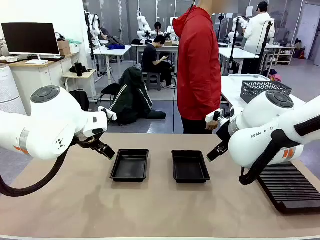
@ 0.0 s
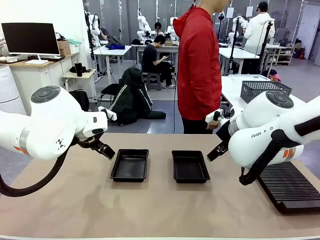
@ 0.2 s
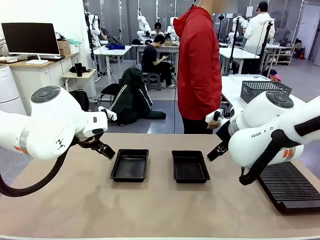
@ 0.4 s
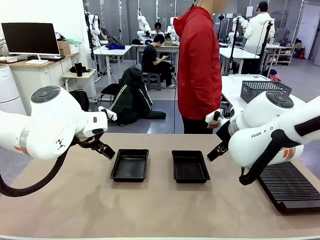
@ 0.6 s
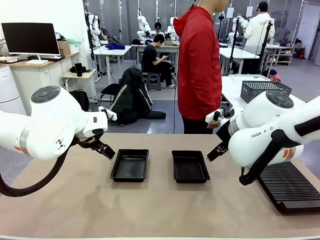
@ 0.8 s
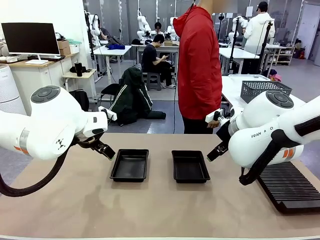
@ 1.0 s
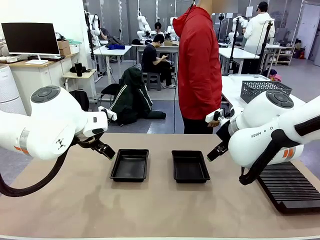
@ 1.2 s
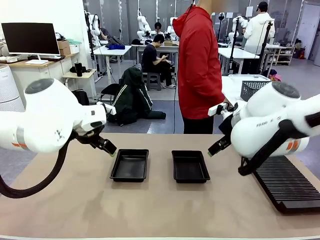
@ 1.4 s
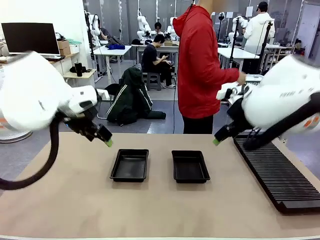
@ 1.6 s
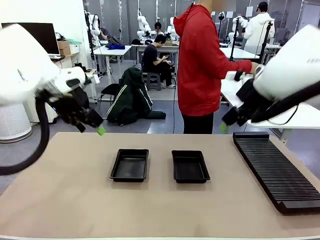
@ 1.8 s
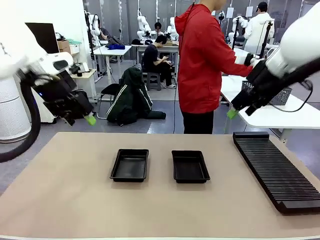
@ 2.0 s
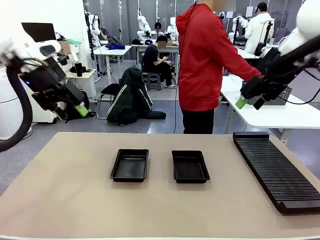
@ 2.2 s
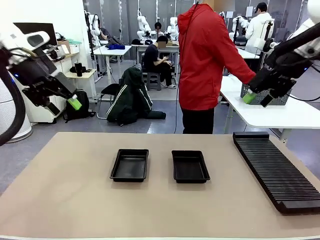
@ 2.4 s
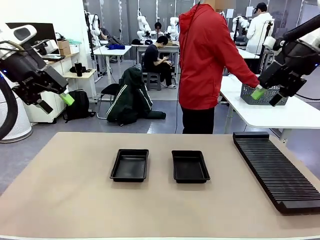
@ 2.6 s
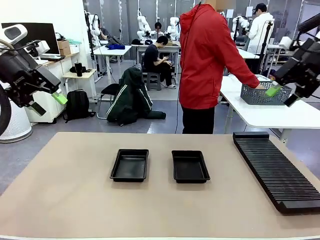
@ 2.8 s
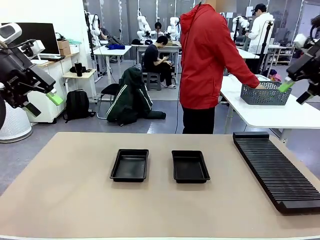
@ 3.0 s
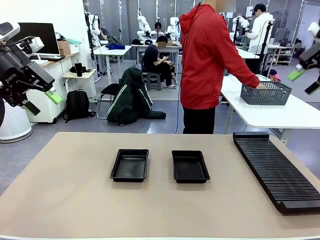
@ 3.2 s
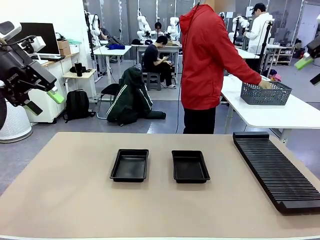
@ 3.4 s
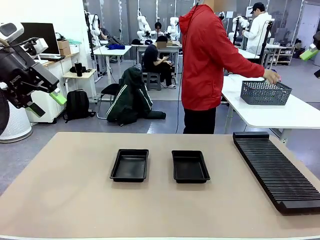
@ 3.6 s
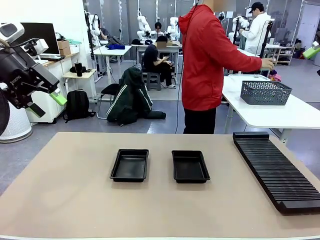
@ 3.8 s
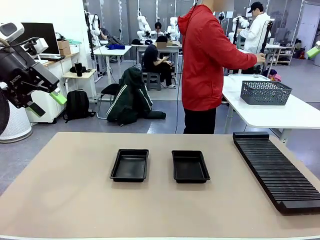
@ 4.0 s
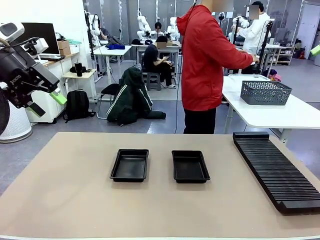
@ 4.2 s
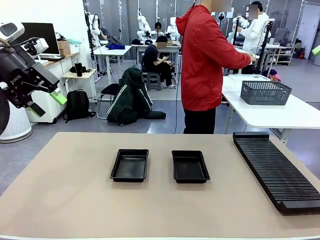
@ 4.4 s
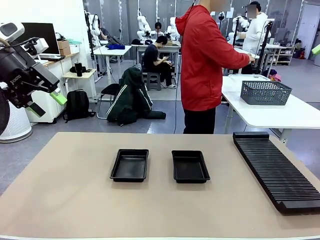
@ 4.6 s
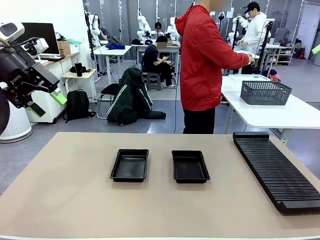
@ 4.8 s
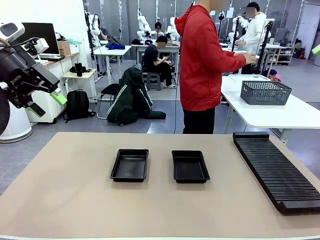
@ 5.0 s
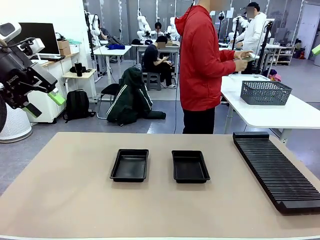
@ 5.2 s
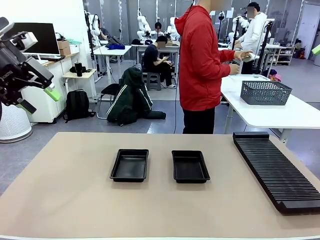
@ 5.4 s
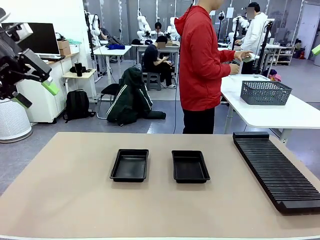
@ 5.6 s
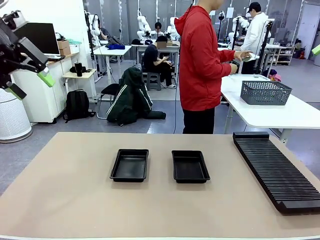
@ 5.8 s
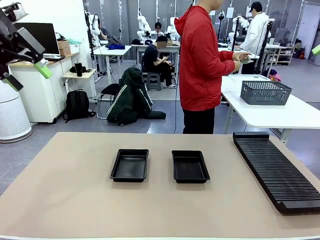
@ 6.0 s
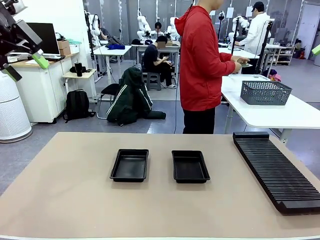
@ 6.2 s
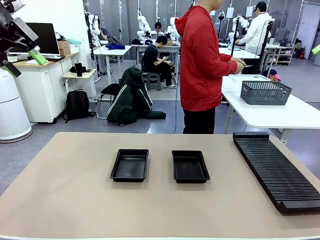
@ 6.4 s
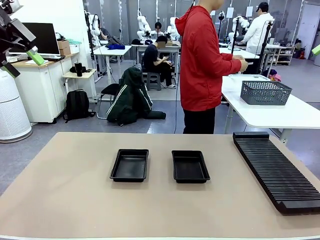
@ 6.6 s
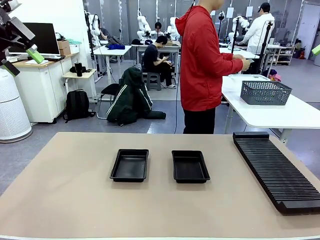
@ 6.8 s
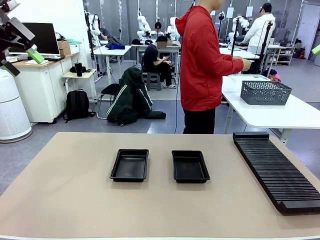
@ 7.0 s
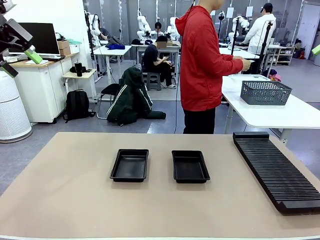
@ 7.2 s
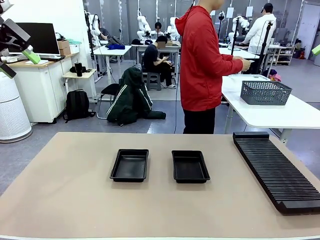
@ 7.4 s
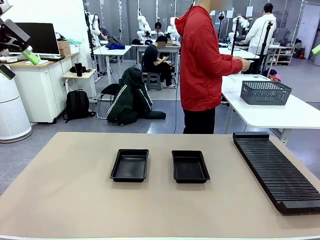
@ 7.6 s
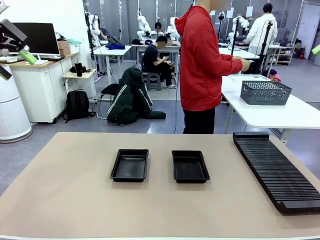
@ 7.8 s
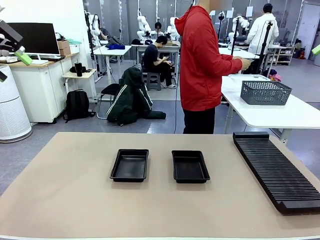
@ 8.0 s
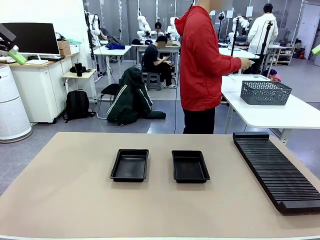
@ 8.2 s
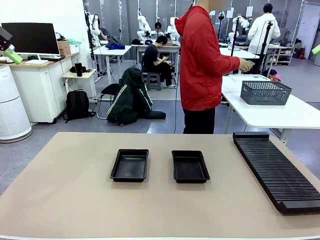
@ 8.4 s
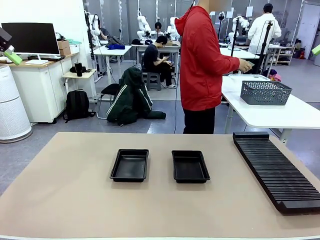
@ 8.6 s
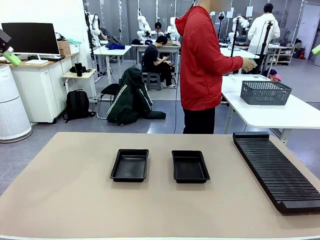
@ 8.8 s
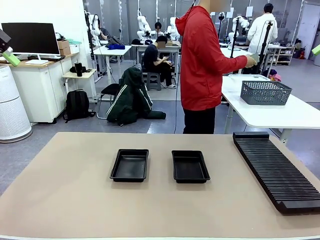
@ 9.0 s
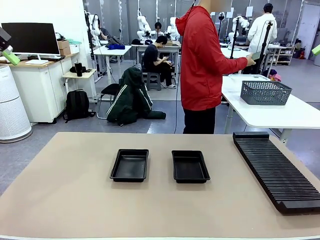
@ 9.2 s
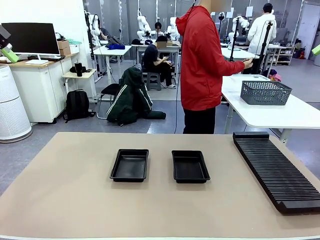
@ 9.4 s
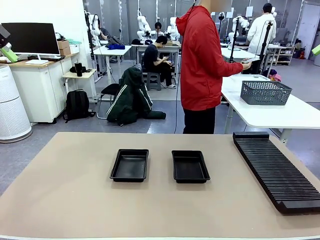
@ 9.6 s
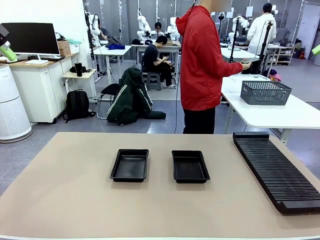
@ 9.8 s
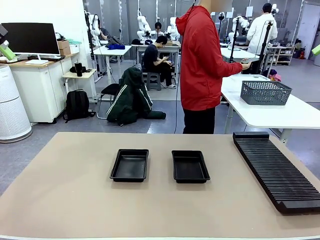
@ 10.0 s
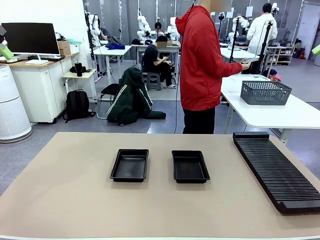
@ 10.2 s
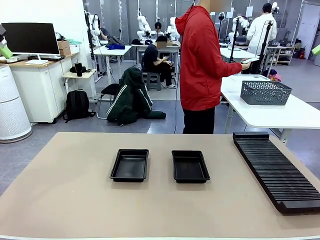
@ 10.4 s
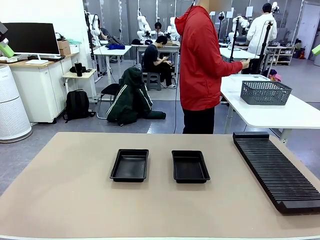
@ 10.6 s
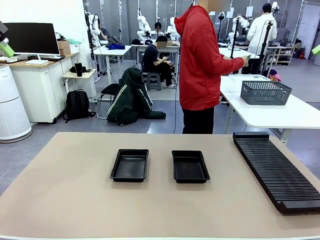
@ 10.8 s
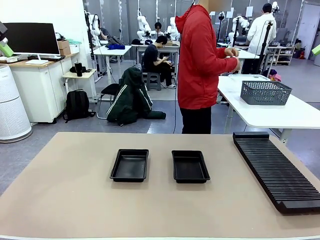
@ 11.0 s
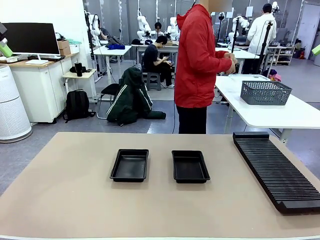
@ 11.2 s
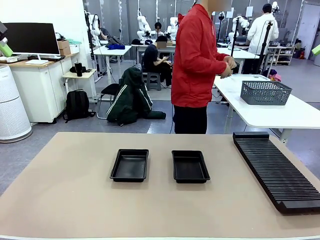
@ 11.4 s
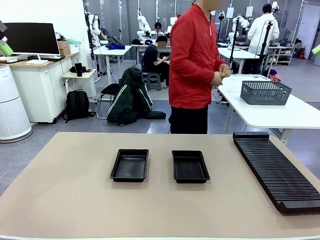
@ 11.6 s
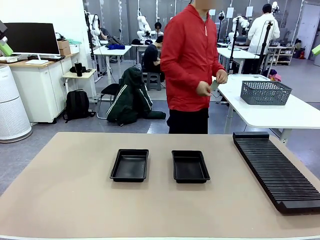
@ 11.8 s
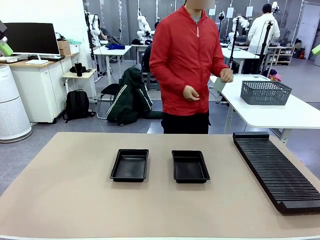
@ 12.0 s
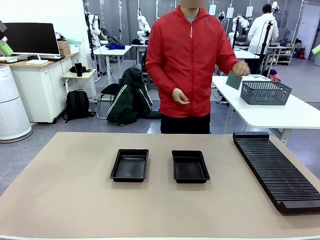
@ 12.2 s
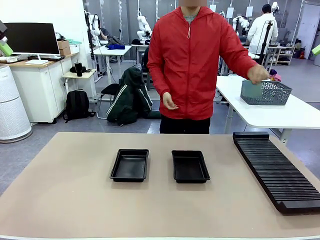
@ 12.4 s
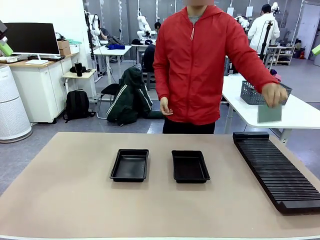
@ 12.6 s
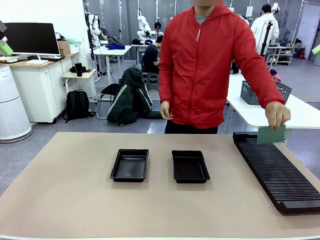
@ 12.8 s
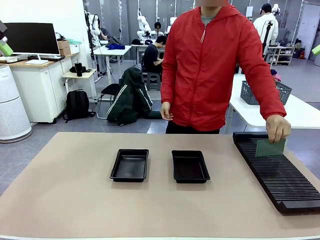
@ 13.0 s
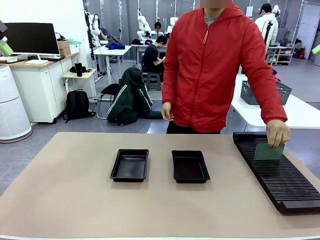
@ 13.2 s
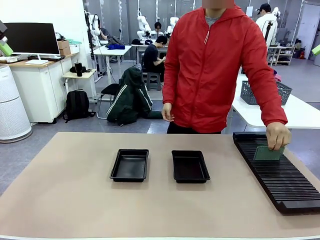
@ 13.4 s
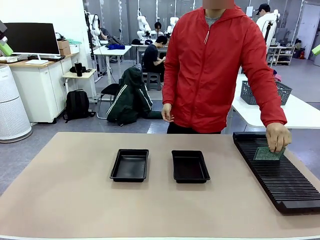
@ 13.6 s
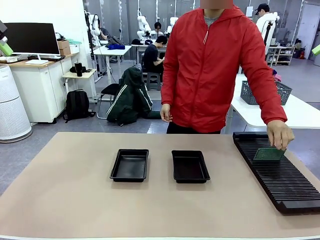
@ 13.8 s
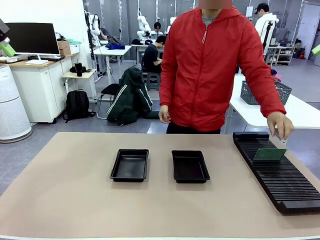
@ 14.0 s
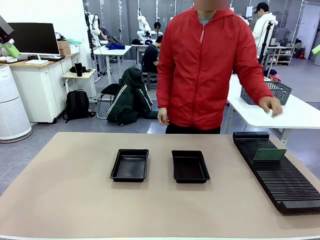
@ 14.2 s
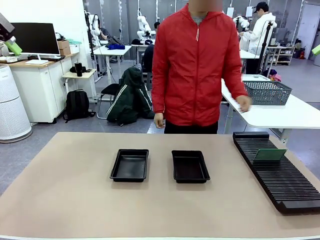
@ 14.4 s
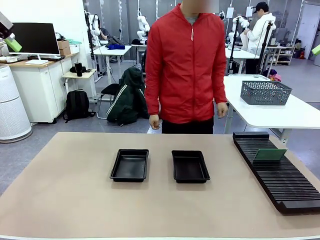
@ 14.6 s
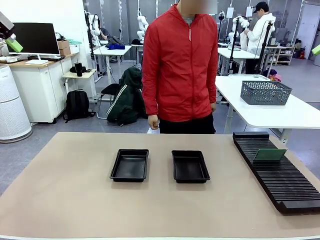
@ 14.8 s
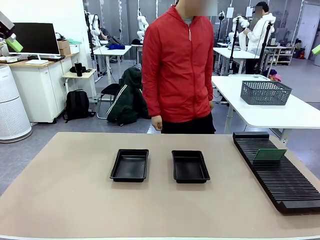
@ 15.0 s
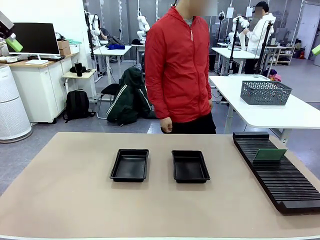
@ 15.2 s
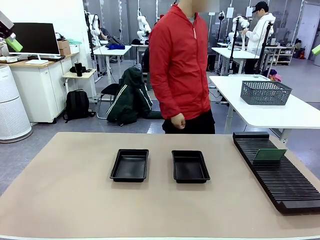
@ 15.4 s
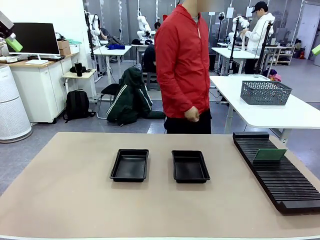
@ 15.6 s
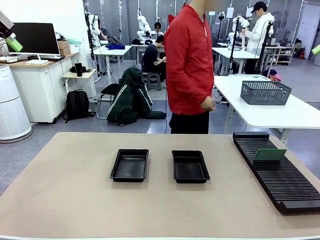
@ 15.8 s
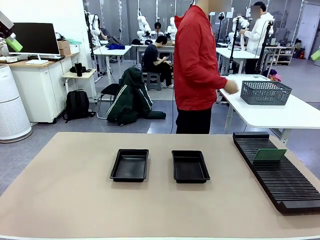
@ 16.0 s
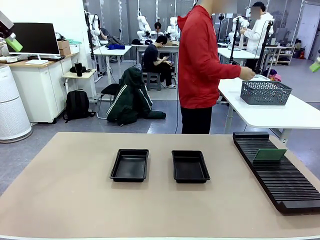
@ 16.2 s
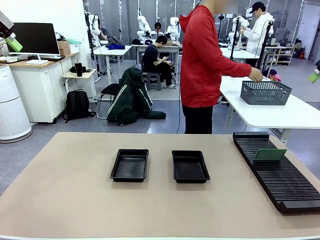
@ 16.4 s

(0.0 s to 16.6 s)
Task: Inspect and transfer BCBs to ESD trays.
Robot: Pick up the Blank PCB from the PCB Rack and place it in the left ESD tray.
